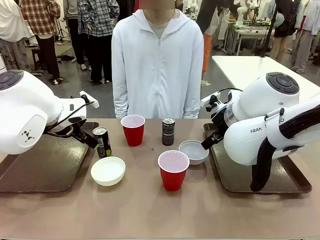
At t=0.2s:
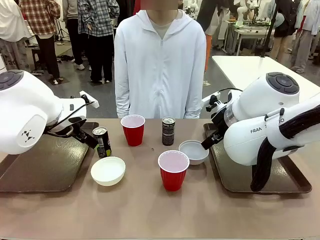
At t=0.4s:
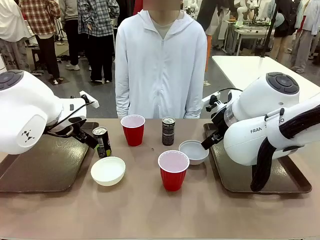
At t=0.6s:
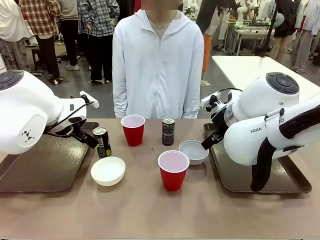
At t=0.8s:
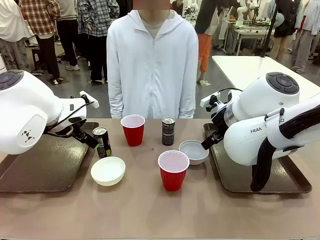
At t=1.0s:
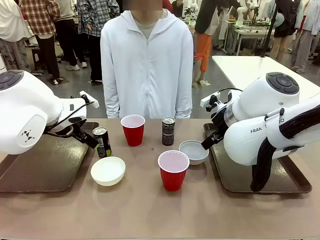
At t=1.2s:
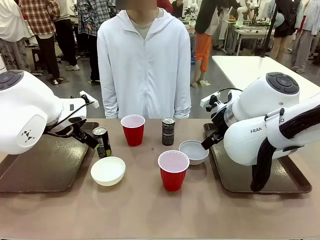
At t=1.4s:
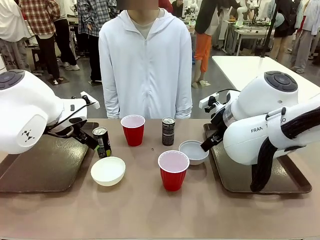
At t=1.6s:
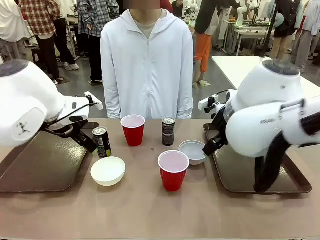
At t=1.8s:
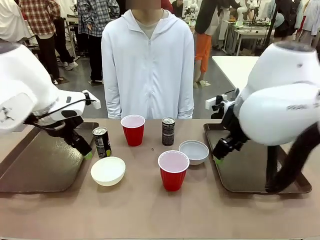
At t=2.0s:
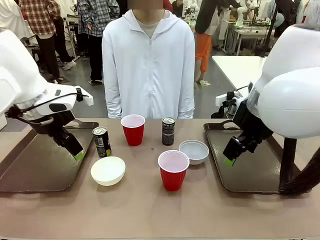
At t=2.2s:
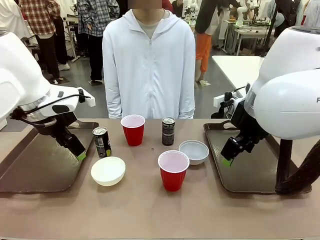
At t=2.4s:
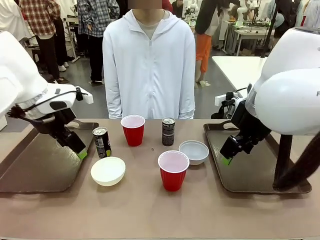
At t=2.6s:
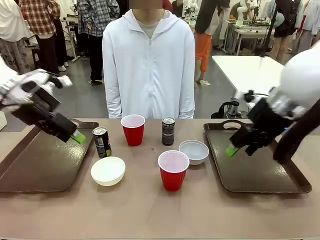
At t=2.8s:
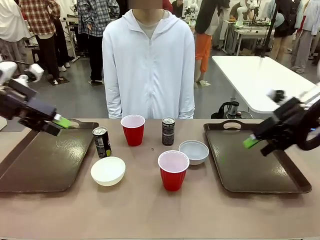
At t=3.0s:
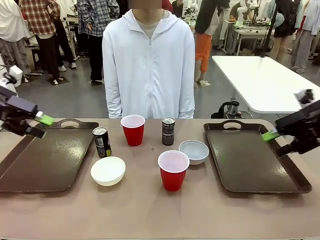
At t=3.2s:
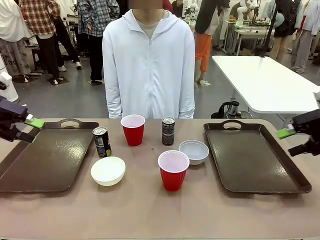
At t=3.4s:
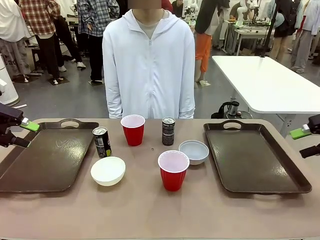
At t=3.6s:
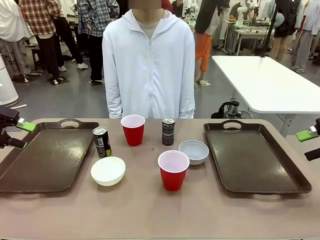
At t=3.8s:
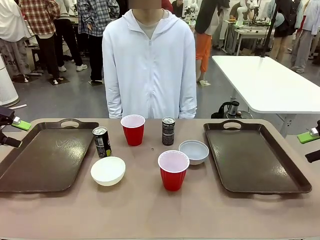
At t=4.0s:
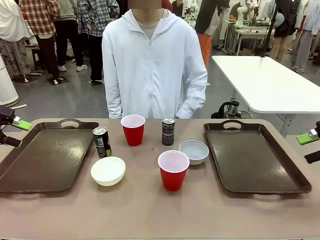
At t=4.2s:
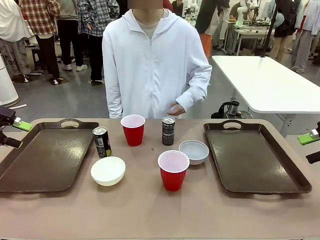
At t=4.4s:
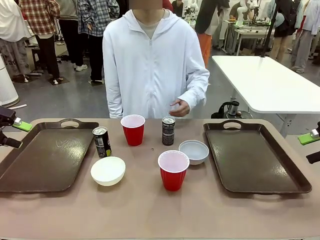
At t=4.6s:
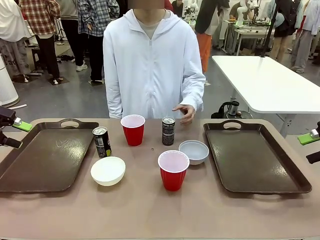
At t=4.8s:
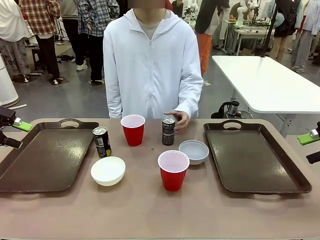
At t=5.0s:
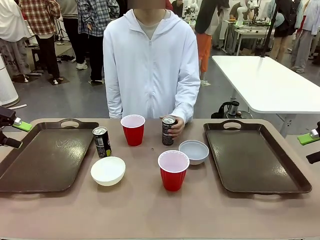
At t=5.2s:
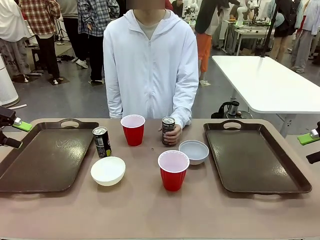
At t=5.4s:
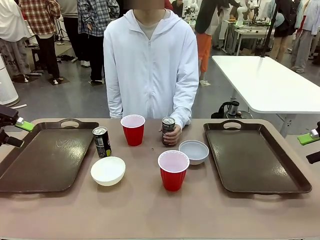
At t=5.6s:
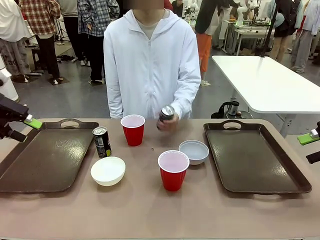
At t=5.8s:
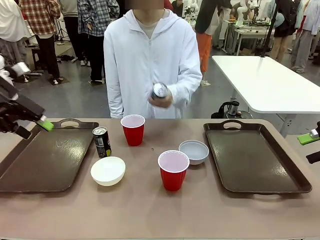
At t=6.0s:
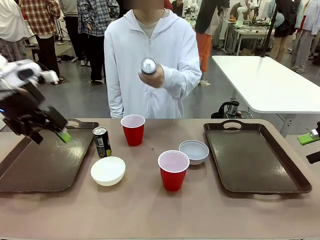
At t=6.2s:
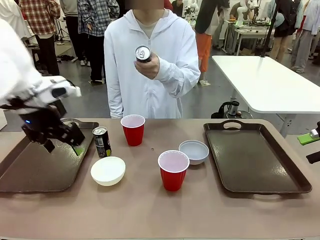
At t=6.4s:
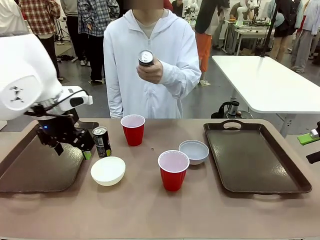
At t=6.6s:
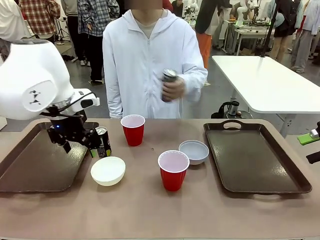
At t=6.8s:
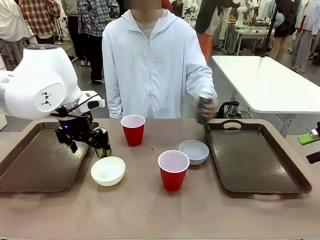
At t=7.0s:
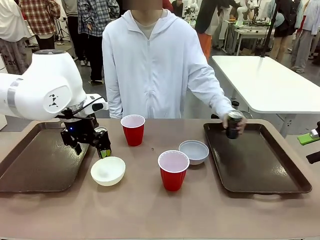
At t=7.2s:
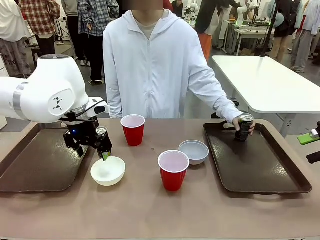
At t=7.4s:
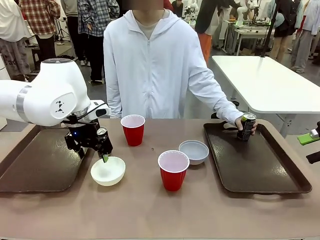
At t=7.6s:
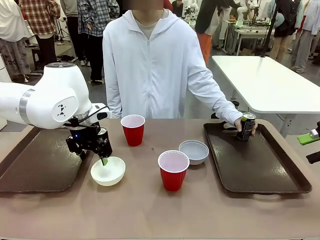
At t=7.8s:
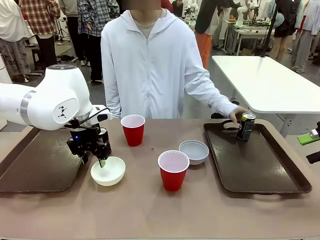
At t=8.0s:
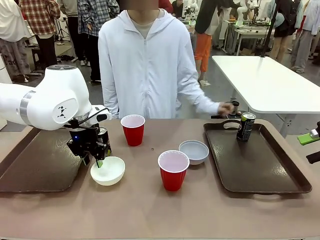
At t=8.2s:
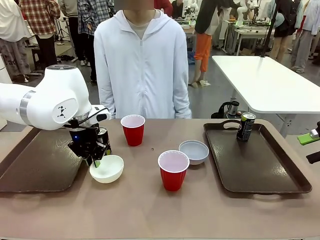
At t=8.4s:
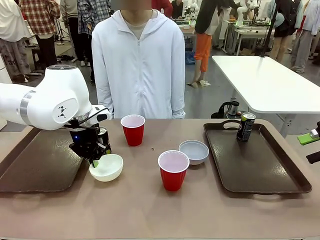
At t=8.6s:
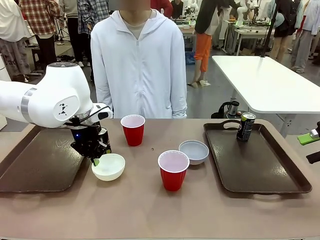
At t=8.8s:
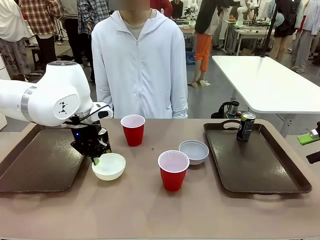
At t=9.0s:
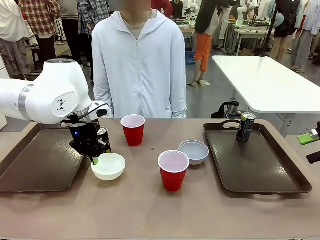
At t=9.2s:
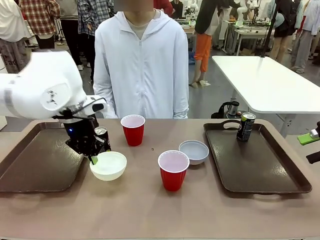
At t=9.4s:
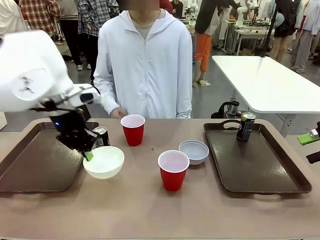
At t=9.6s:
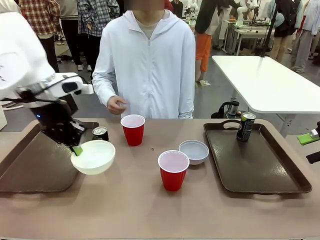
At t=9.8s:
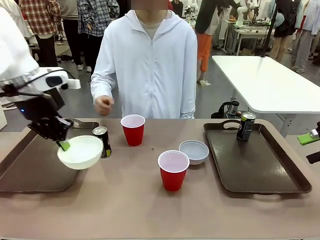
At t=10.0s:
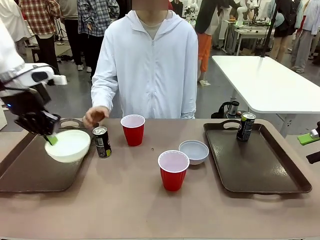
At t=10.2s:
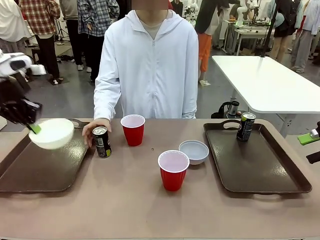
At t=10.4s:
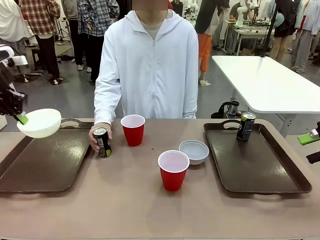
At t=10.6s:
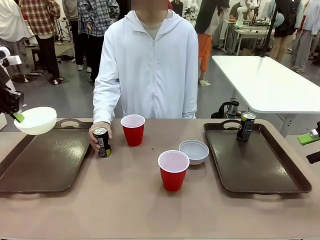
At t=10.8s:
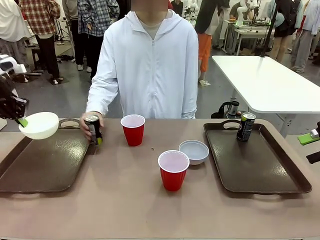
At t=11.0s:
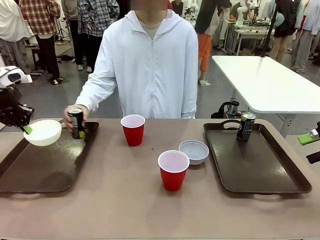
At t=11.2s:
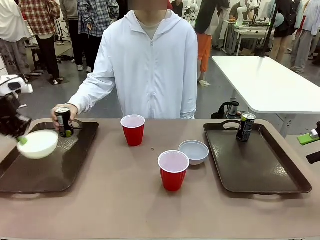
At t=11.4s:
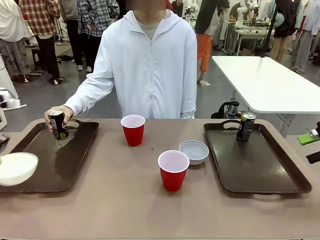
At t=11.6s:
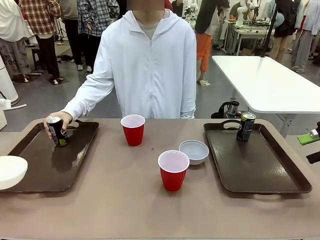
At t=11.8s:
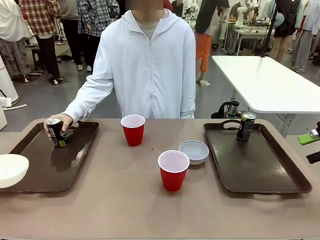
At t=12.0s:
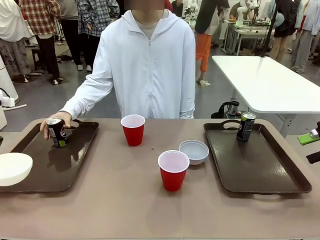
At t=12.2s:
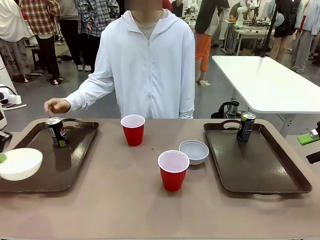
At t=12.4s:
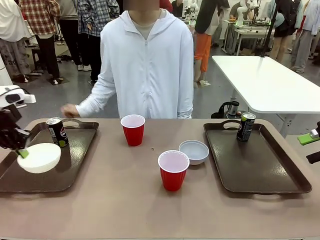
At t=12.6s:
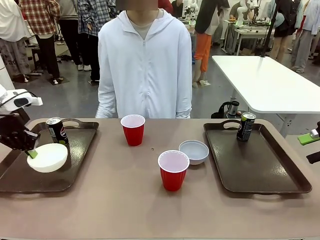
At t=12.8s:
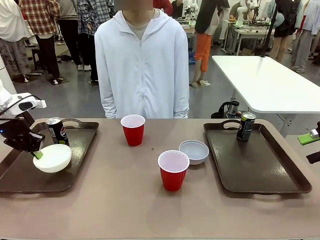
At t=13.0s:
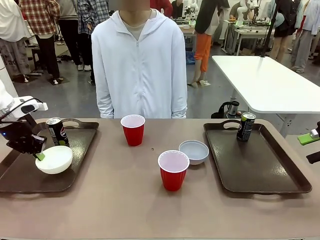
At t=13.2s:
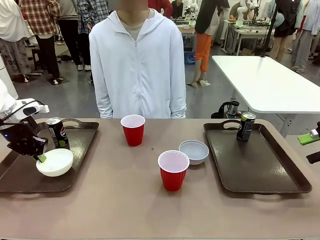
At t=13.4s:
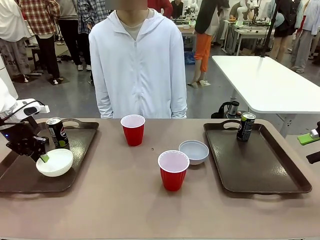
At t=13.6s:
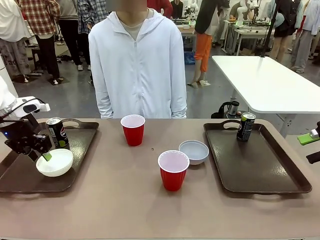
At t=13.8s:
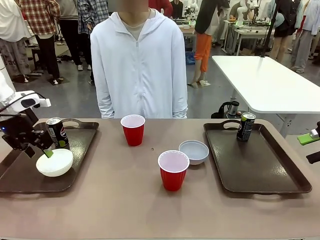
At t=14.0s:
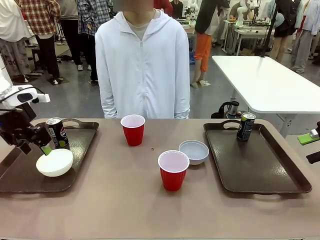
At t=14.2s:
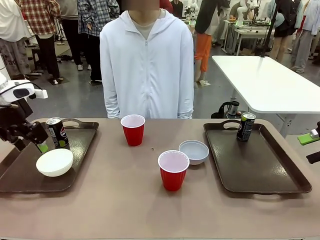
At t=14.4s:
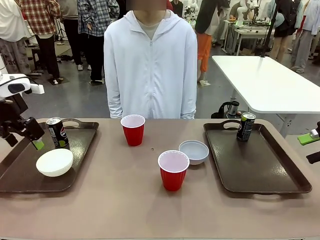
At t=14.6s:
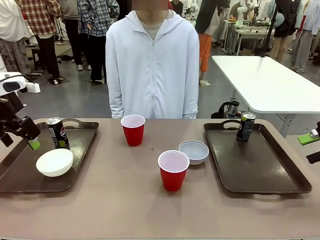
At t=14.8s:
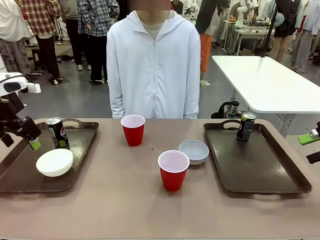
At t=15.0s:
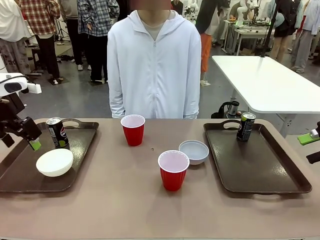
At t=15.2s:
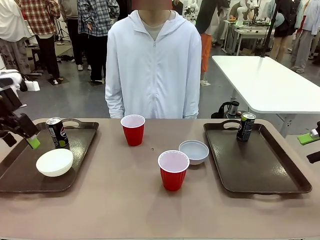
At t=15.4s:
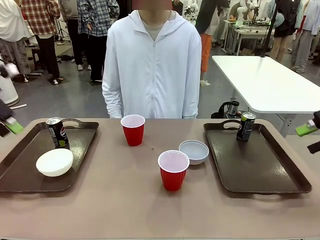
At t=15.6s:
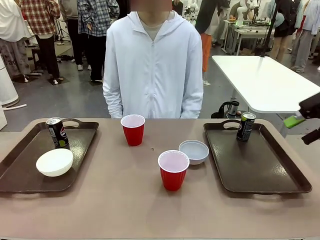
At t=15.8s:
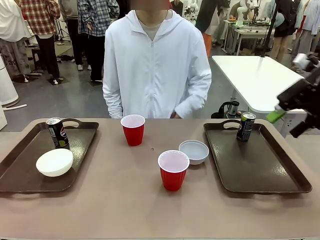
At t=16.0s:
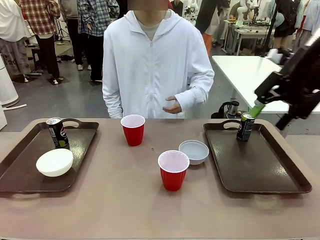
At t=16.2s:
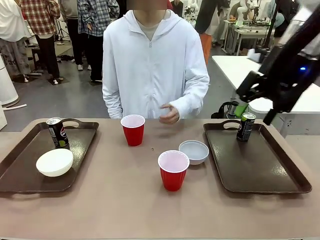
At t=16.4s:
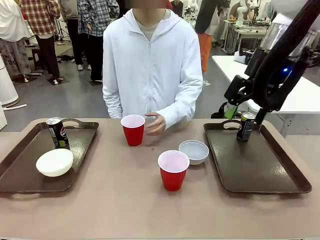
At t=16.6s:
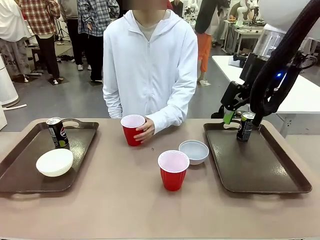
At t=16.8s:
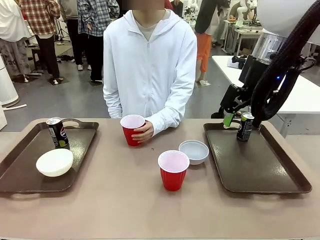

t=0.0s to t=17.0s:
Task: Prepare tableware on both trays.
Robot: Pick up a Picnic Bowl from the table and place it on a Handle tray.
Person: Pick up a can or cup and place it on the tray.
